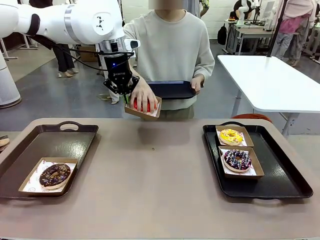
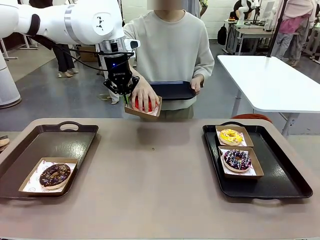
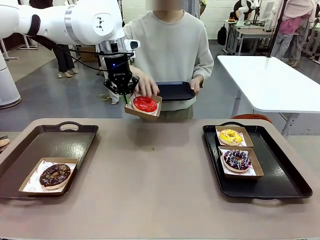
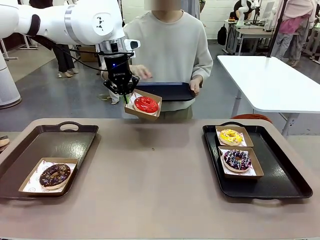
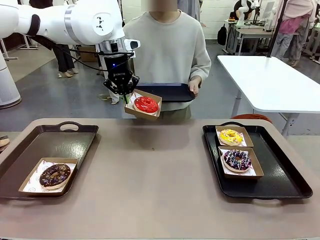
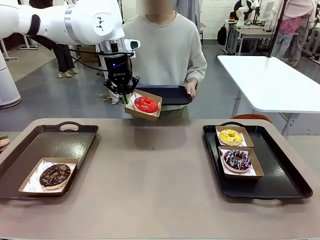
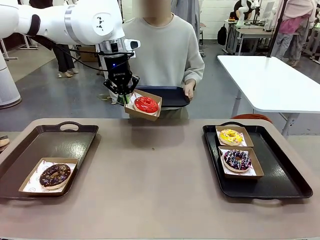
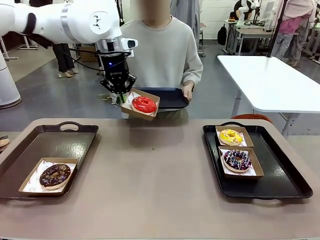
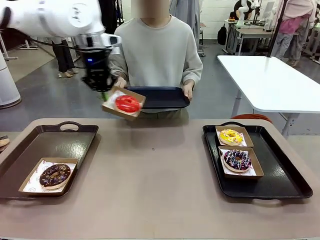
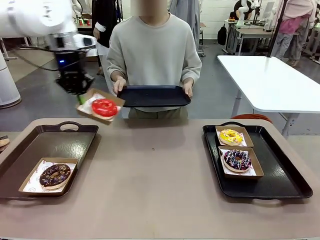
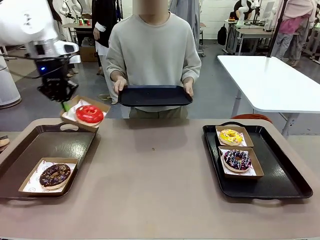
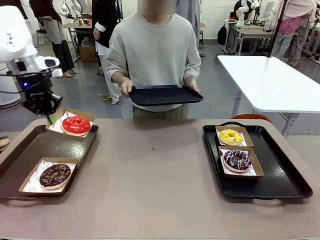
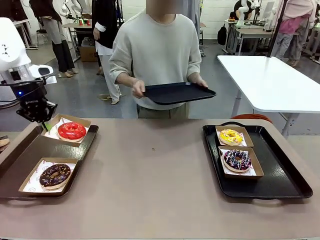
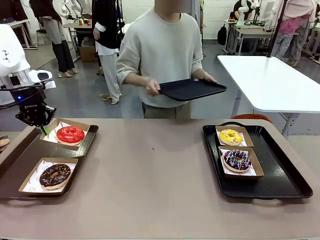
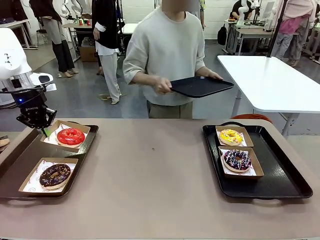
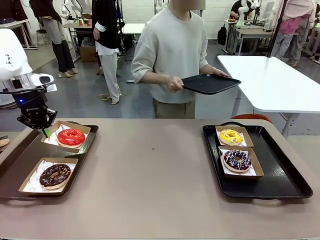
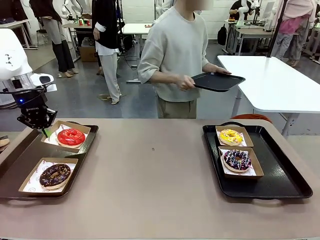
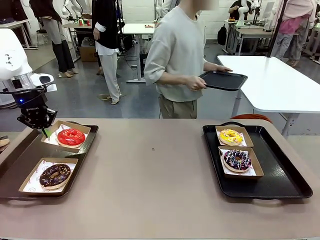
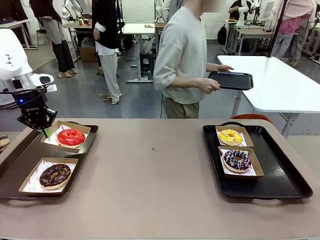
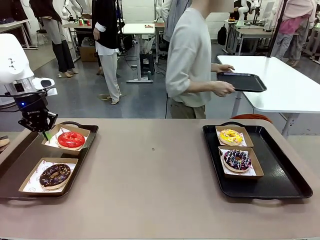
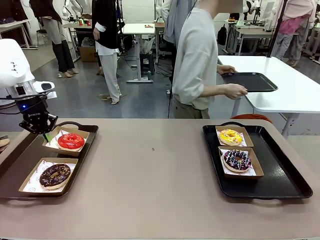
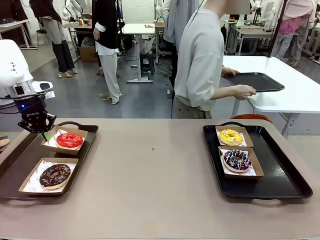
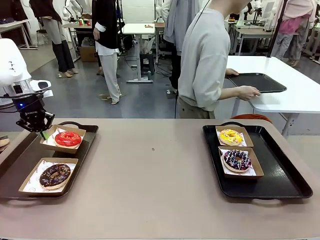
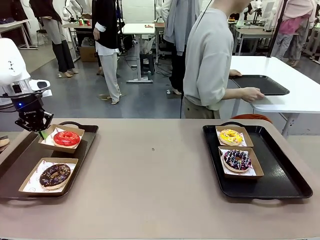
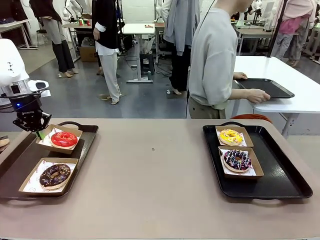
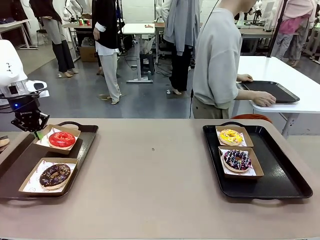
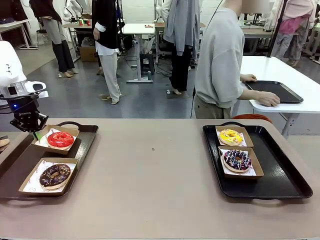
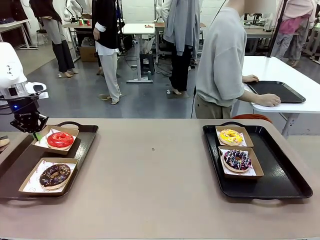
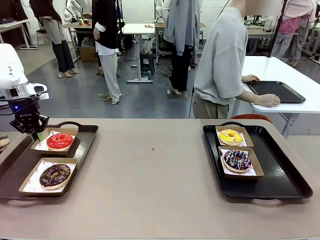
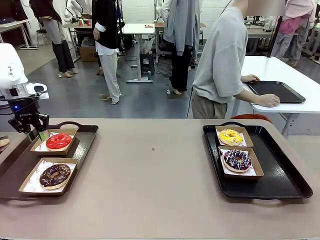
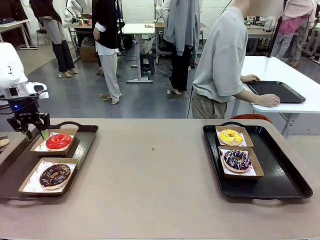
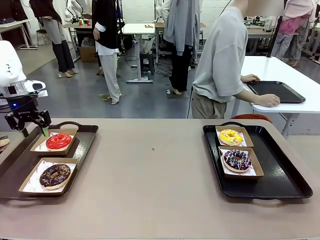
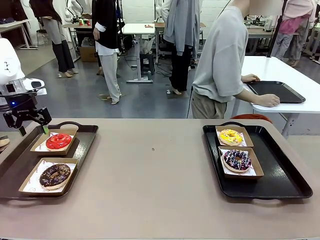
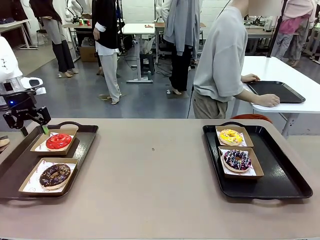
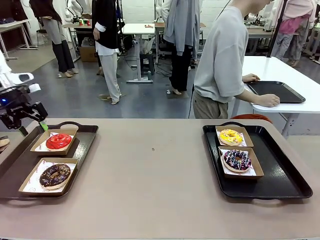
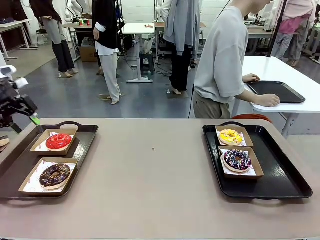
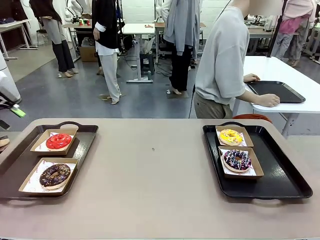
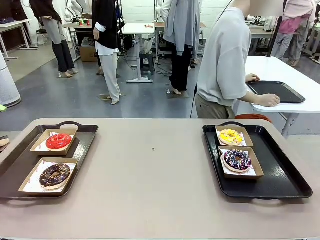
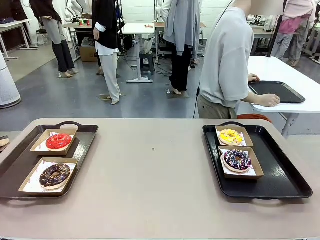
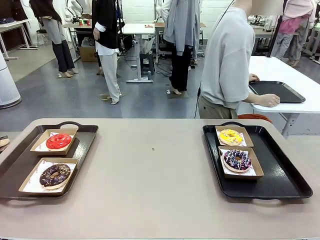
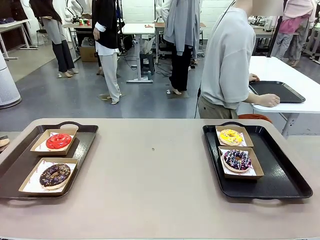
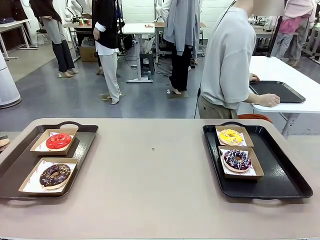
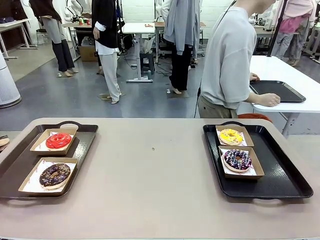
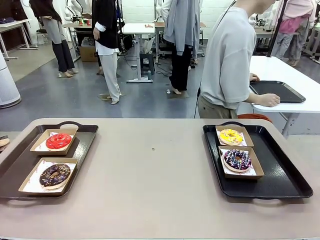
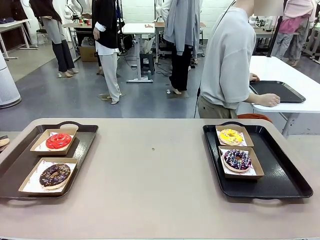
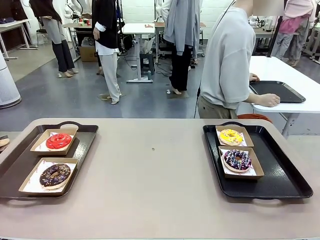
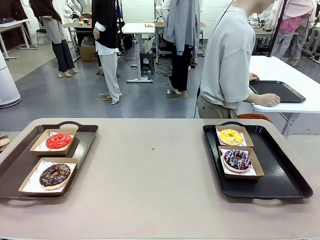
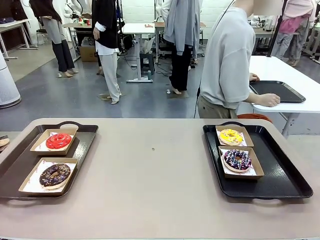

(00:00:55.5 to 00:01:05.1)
Task: Individually package the donuts and arrange them on the tray.
Robot: Place the picked Paper togo box on the Handle tray.
Person: Place the tray down in the middle of the human table.

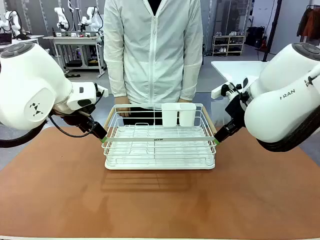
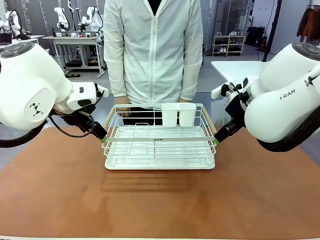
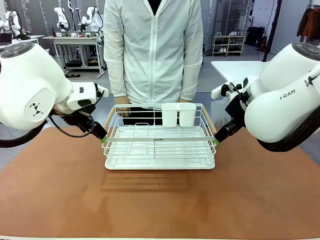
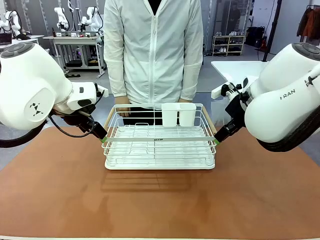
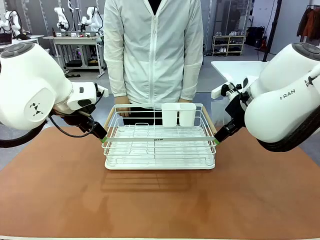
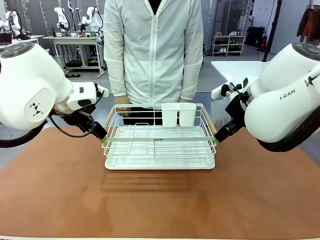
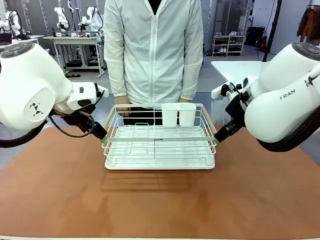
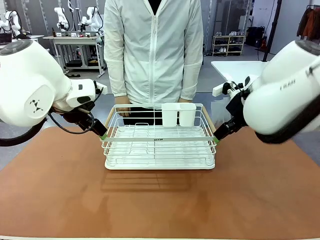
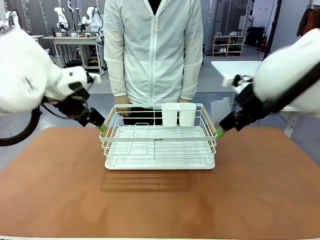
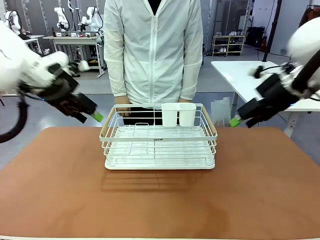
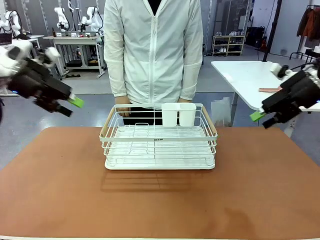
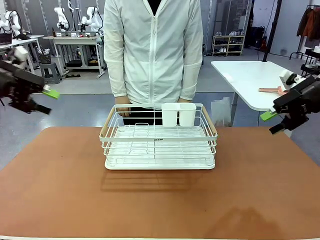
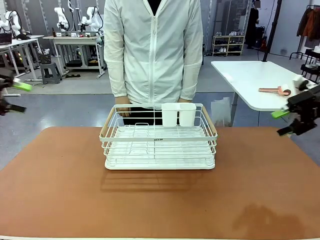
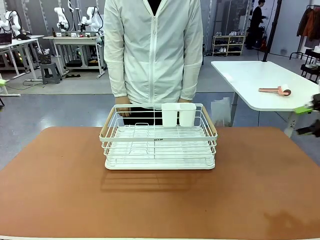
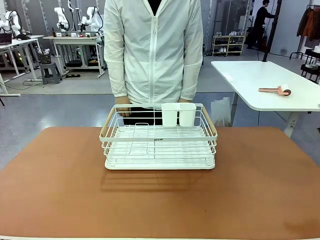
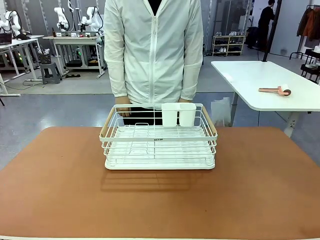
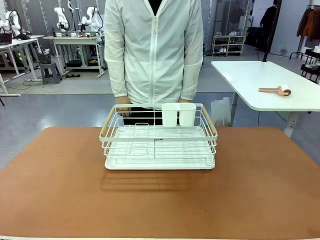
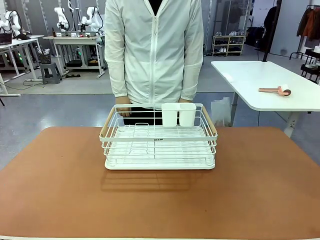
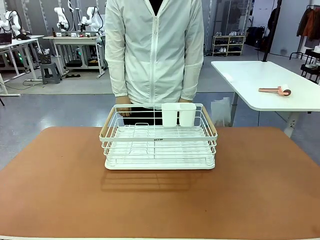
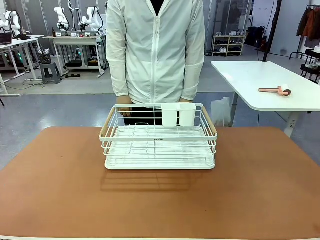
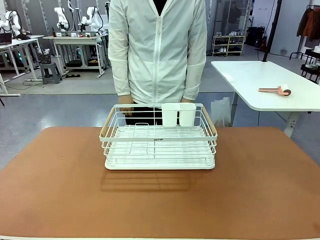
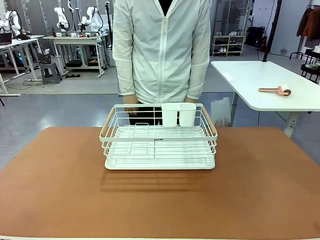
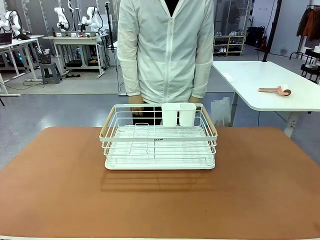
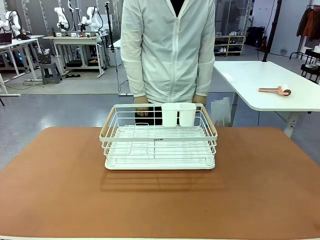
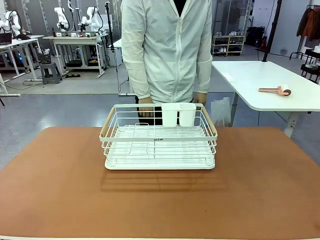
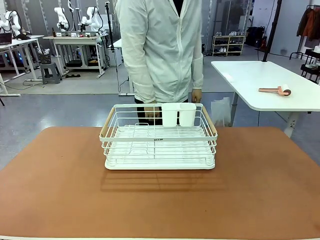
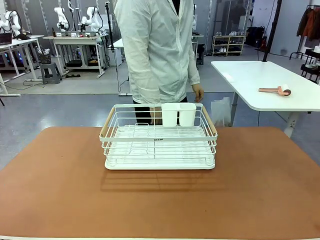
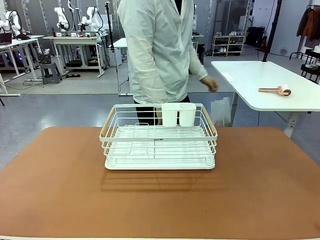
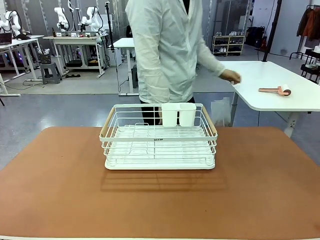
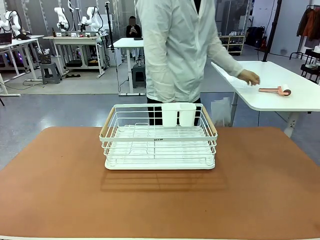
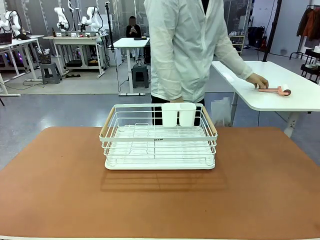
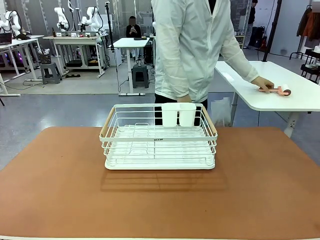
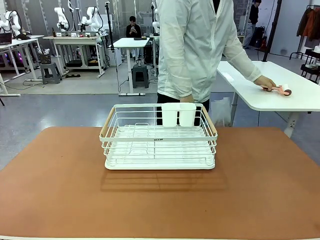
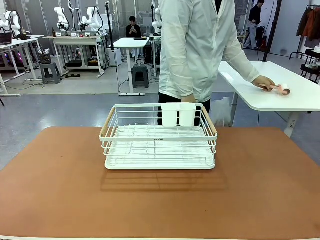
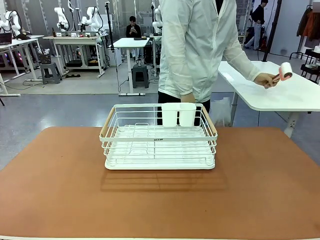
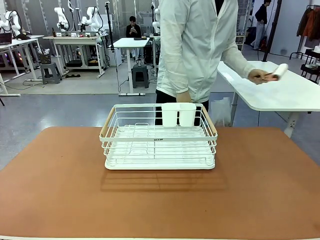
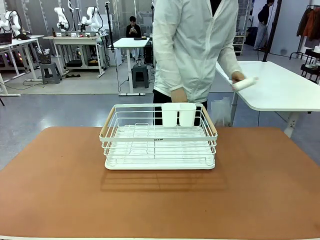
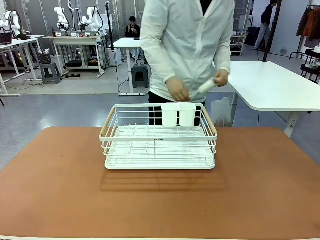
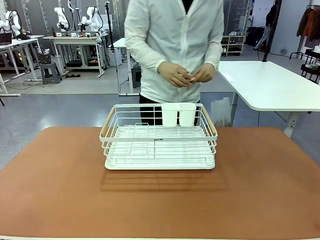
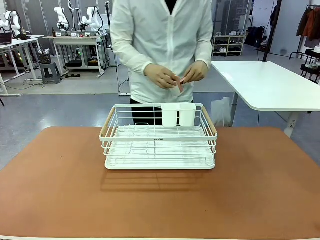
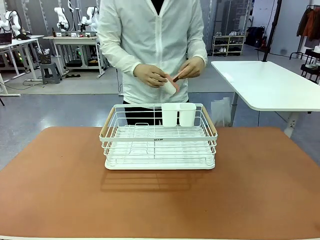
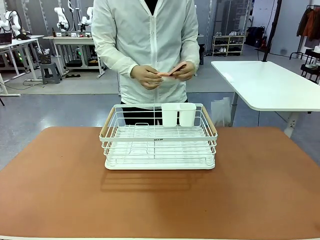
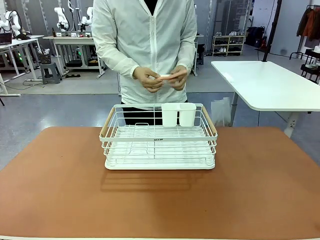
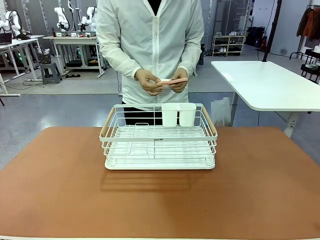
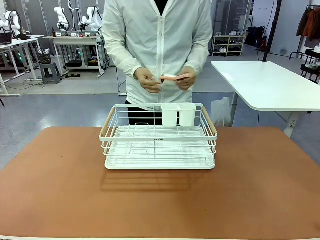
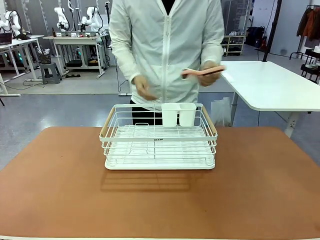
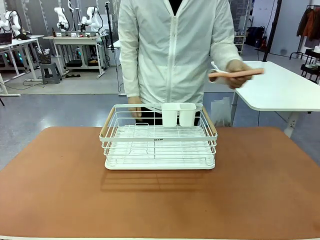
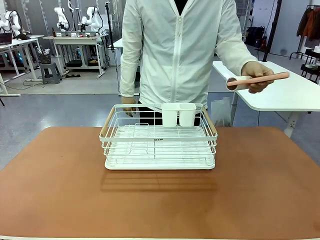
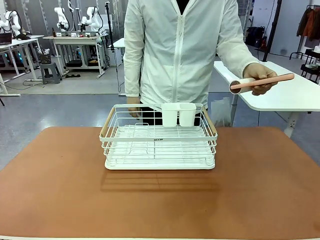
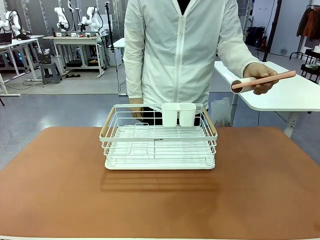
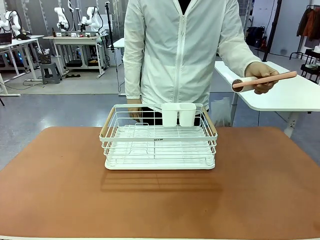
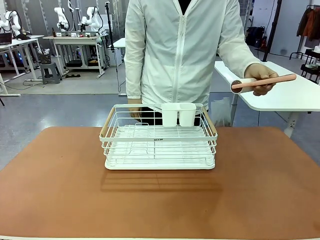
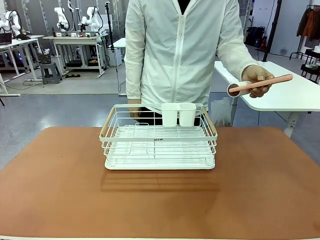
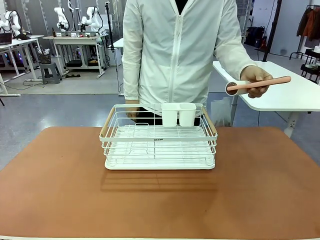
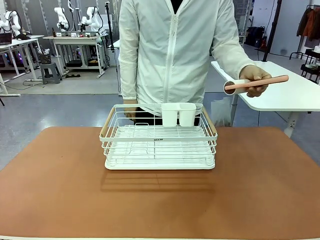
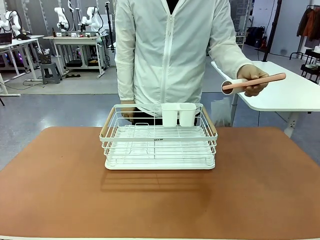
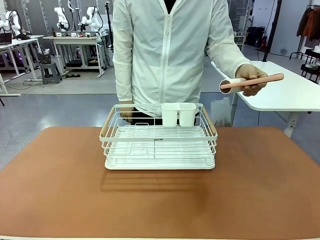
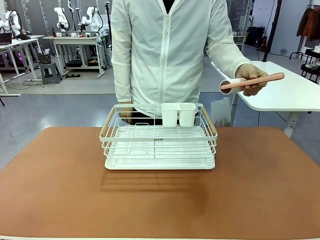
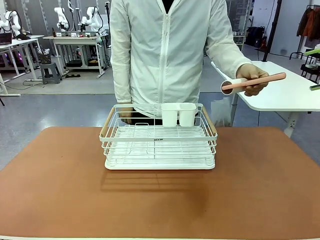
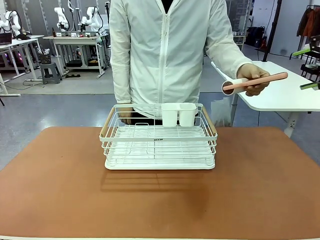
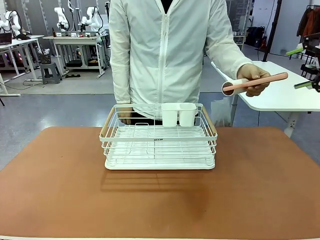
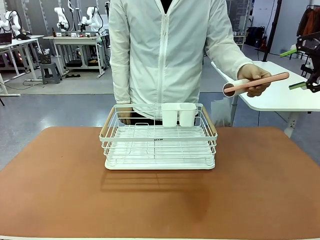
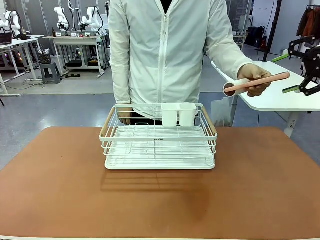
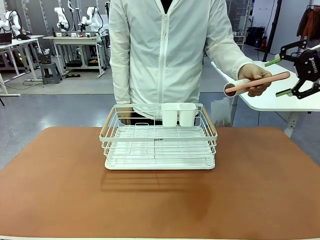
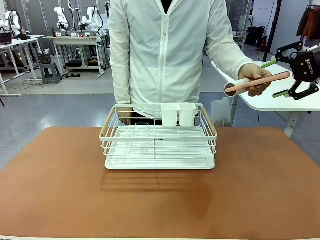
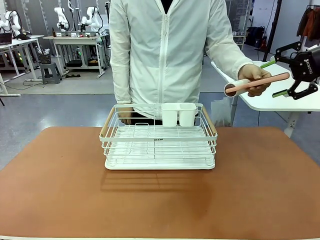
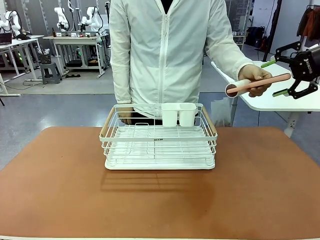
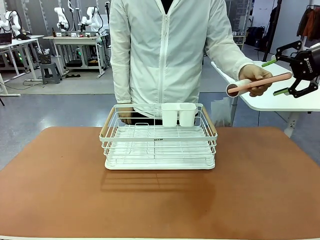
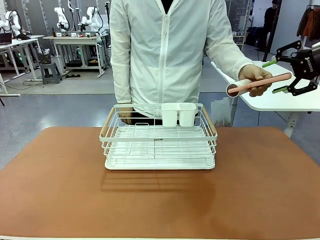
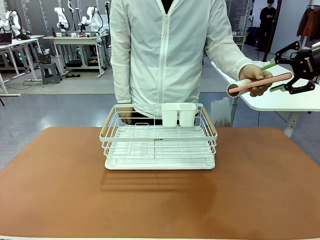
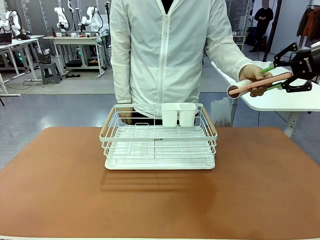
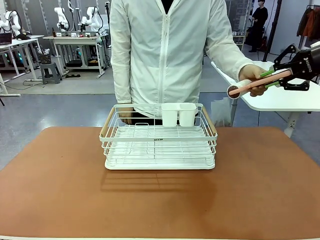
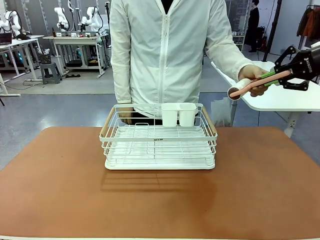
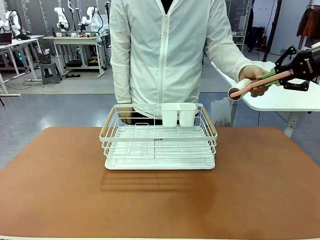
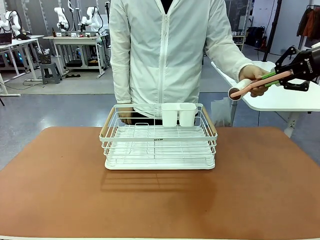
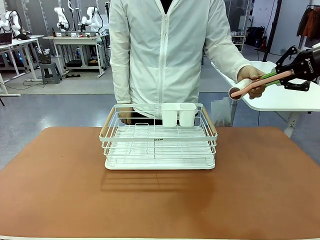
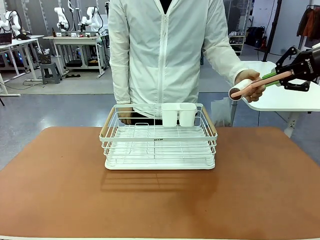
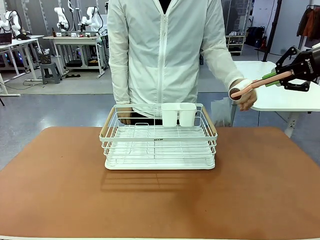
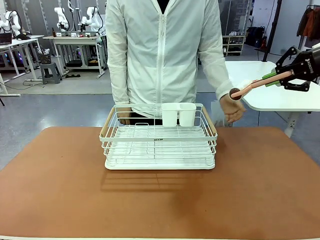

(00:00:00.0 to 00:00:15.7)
Task: Clean the table.
Robot: Pick up the Lint Roller when the human hands it over.
Person: Hand the Lint Roller to the robot so it can easily pick it up. Lift the Dish drying rack.
